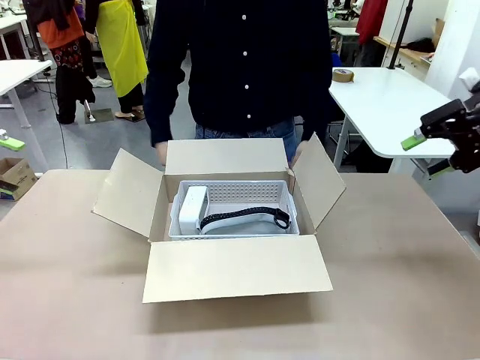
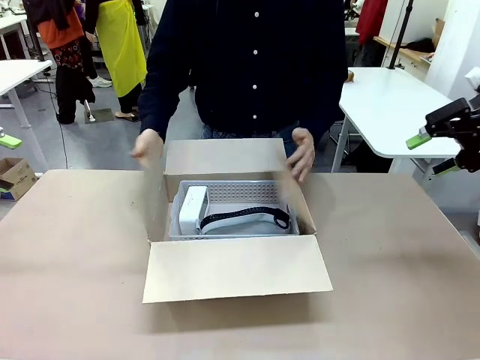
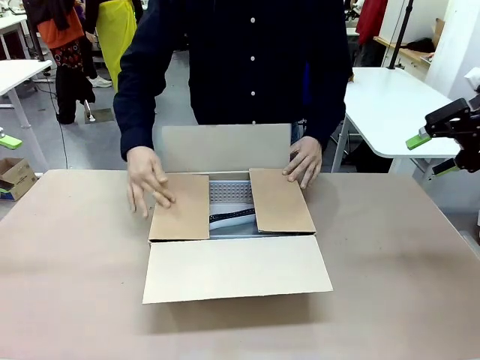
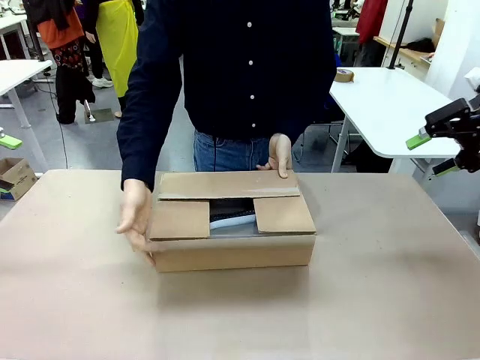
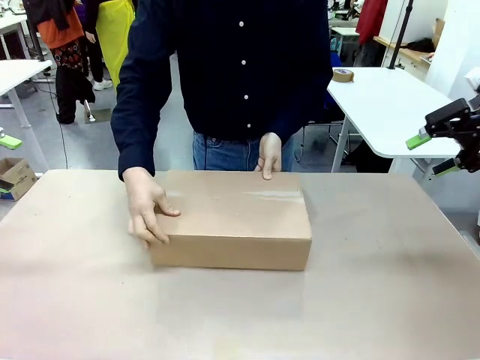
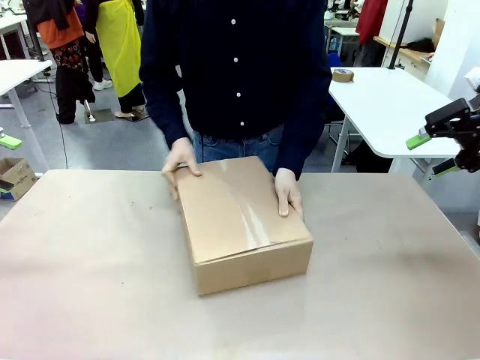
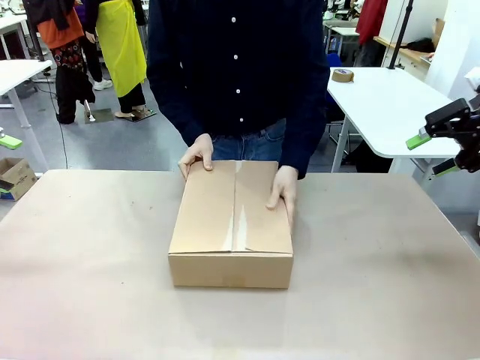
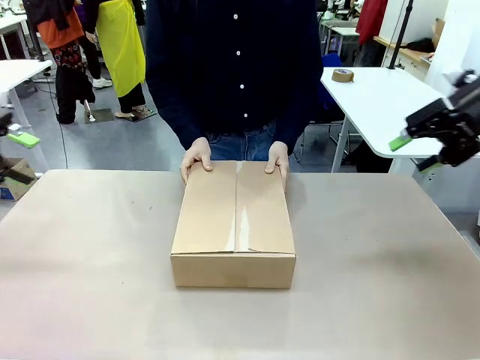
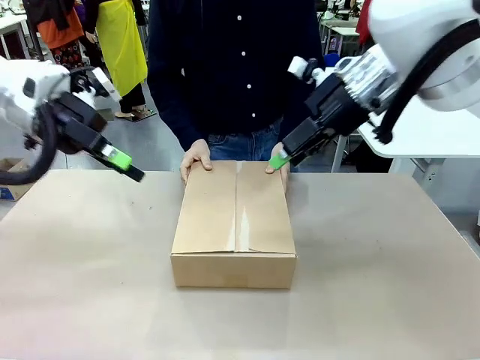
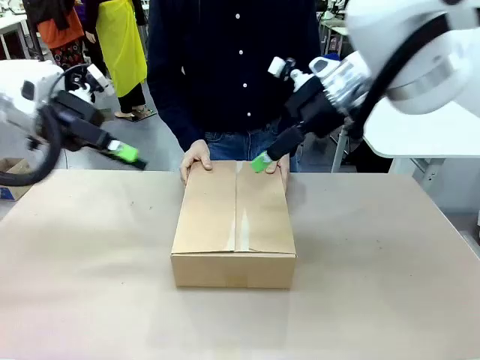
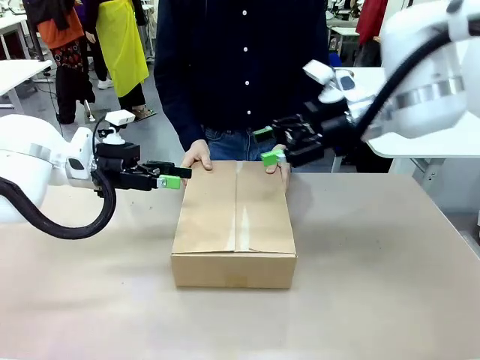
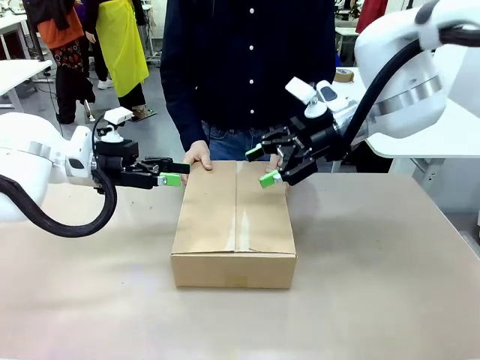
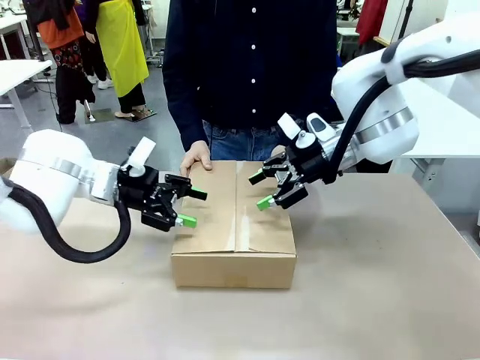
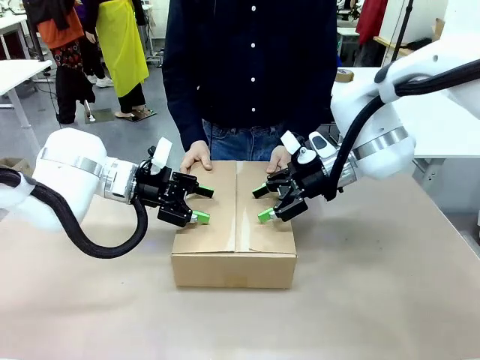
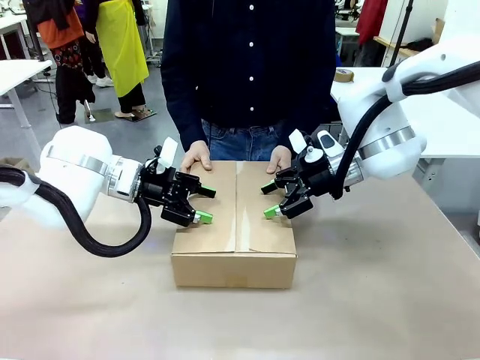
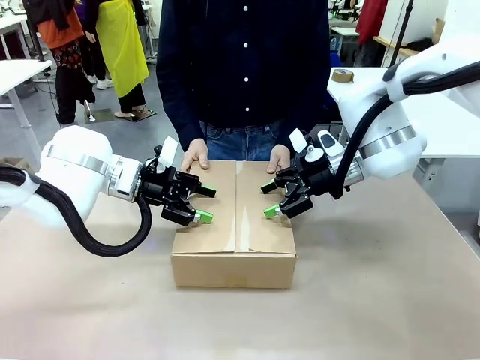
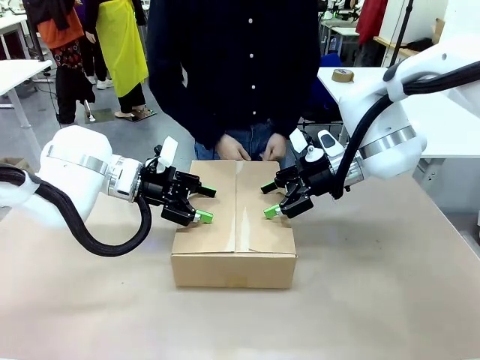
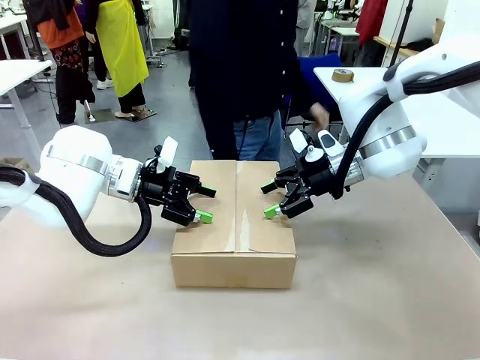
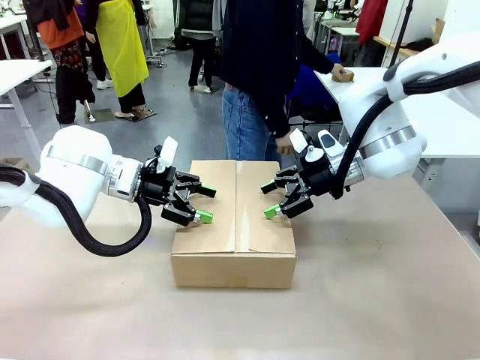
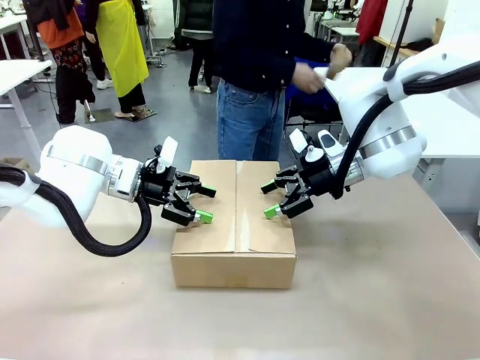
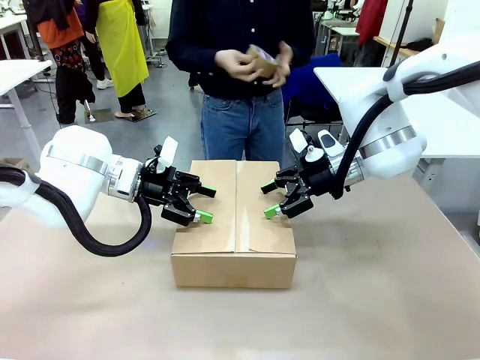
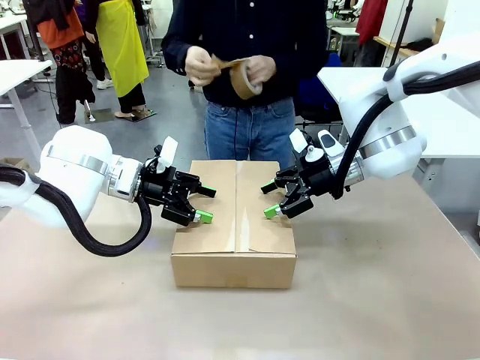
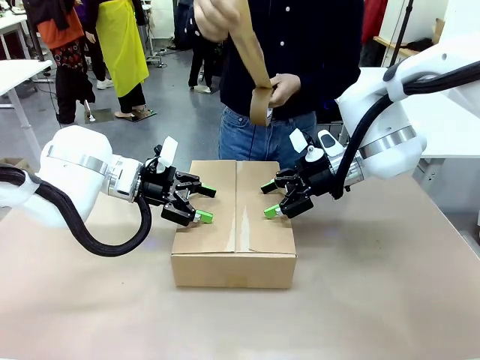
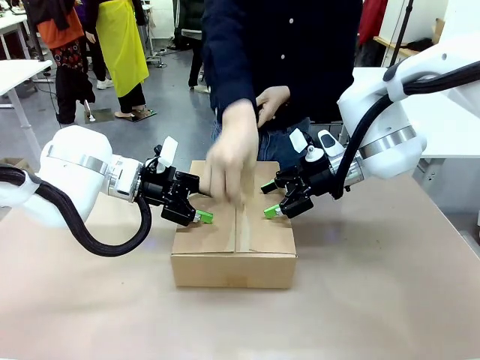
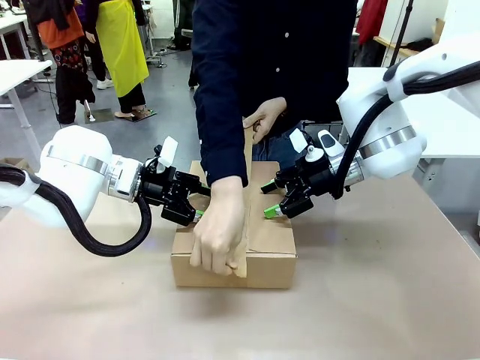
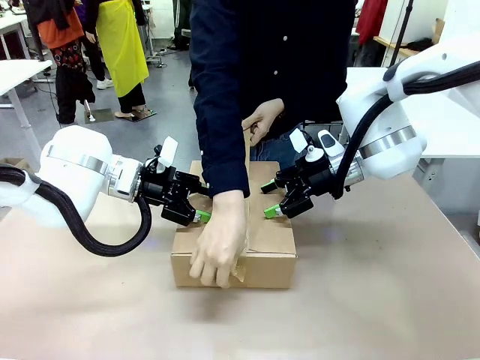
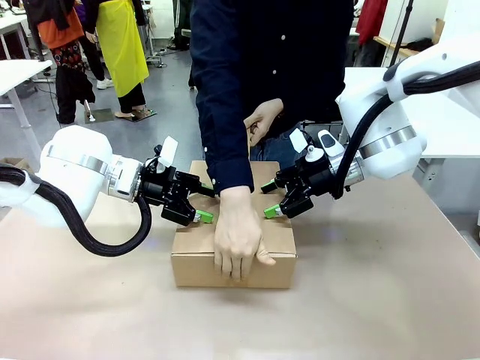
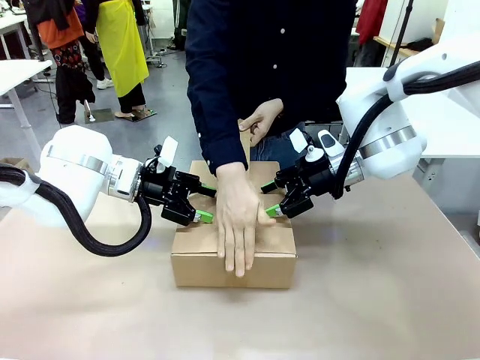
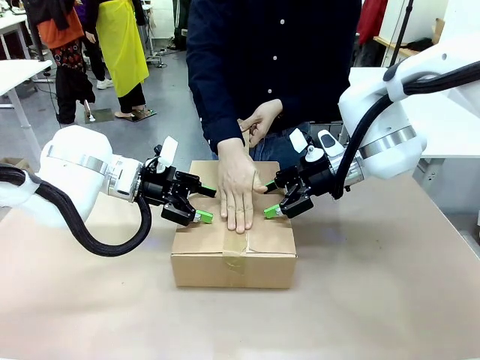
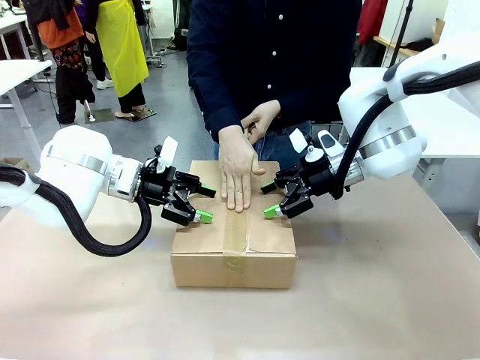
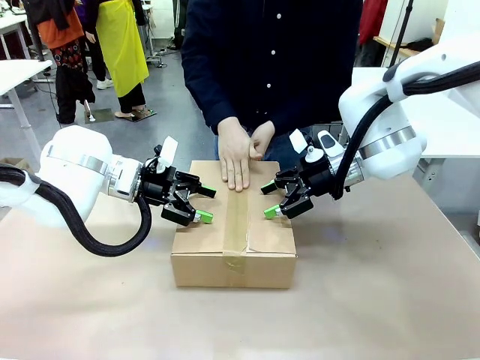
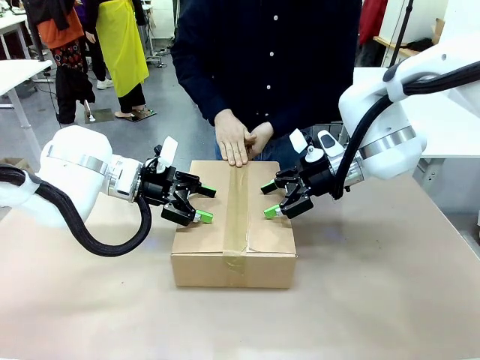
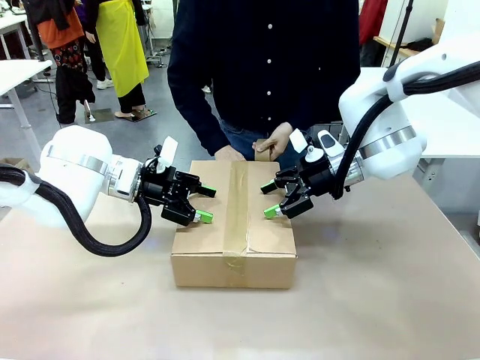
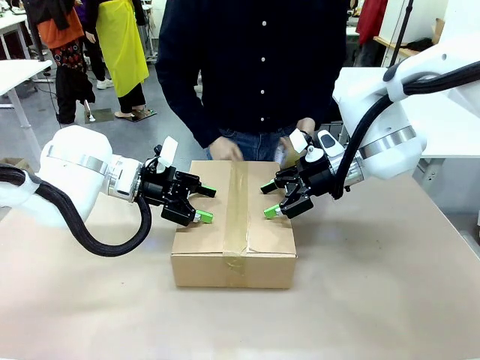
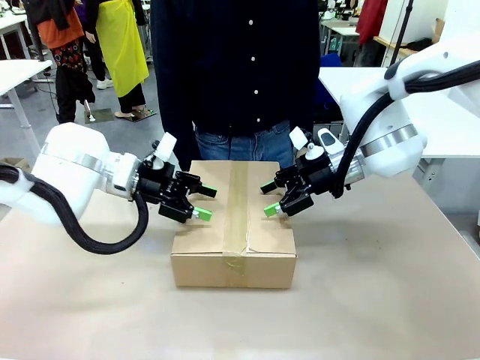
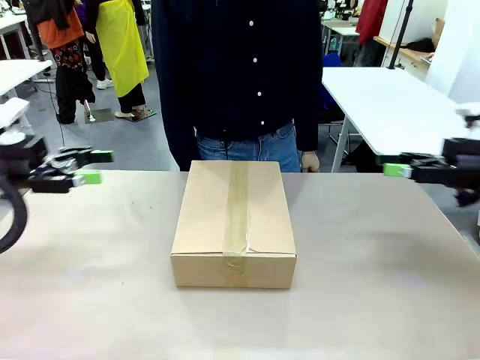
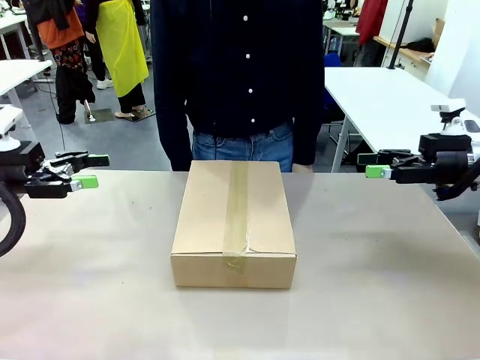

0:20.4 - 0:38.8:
Task: Pack the gift set into the box.
Robot: Press and hold the closed box until the human finishes sealing it.
Person: The human closes the box and rotates the box by 90 degrees. The human picks up the paper tape from the human table and packs the box.
